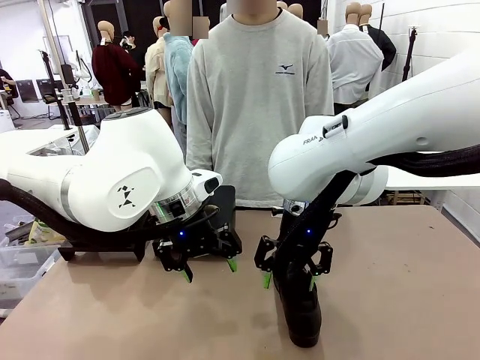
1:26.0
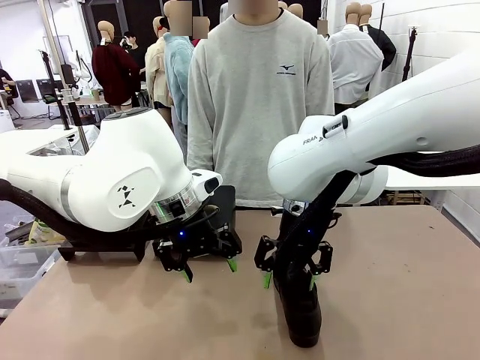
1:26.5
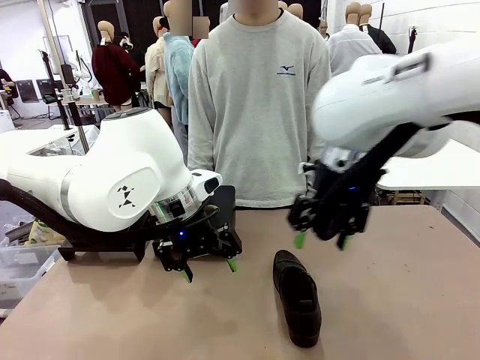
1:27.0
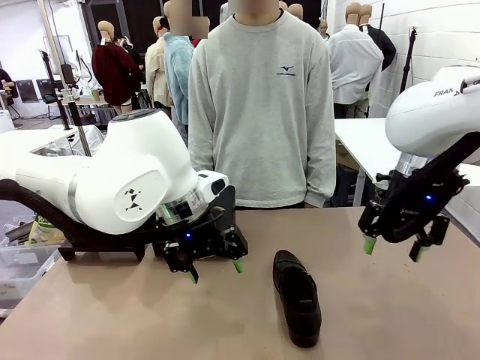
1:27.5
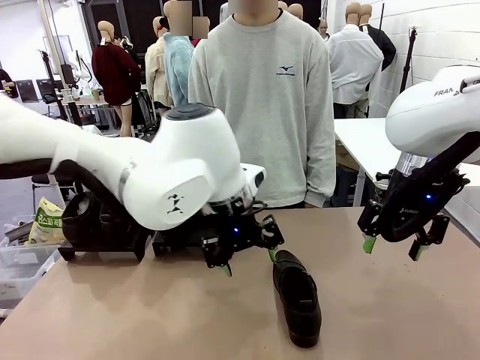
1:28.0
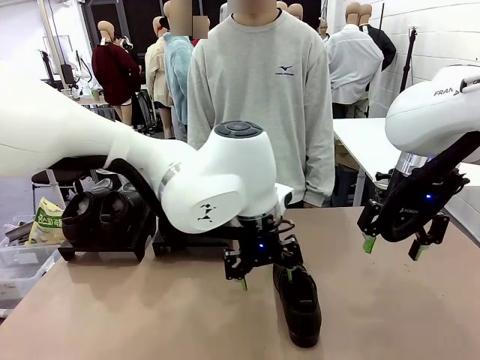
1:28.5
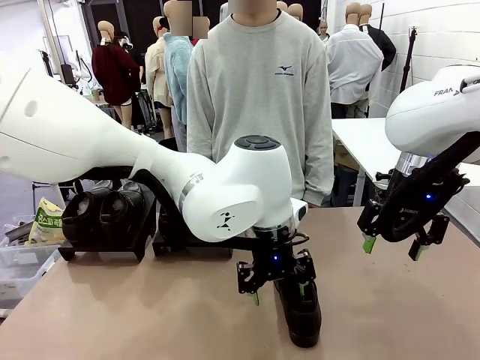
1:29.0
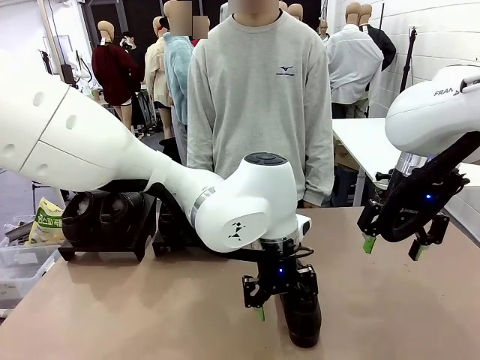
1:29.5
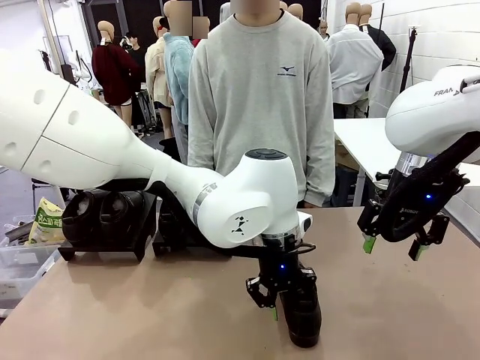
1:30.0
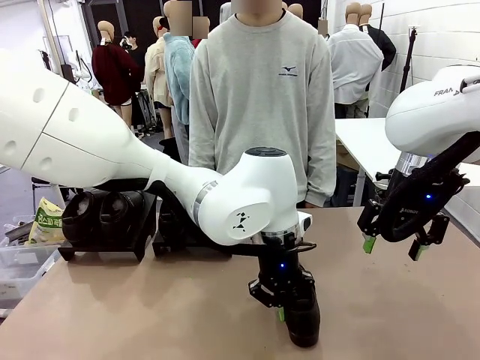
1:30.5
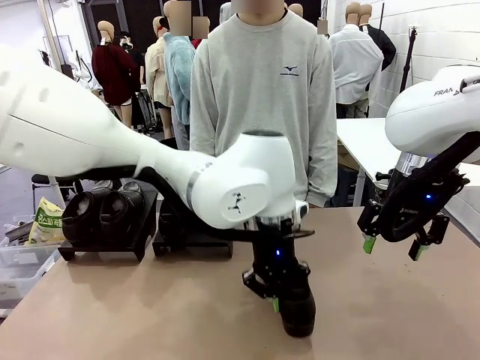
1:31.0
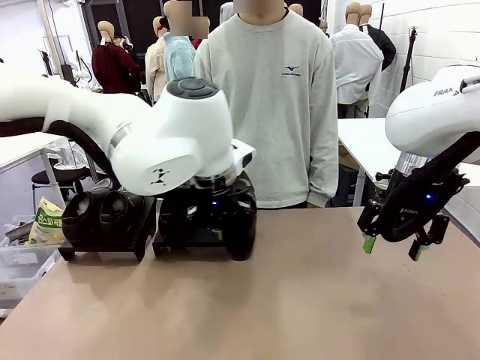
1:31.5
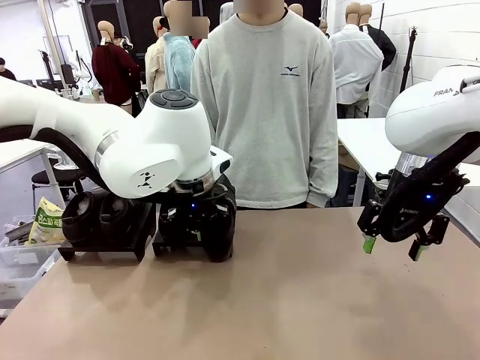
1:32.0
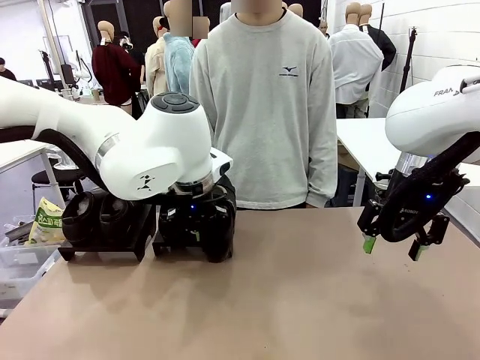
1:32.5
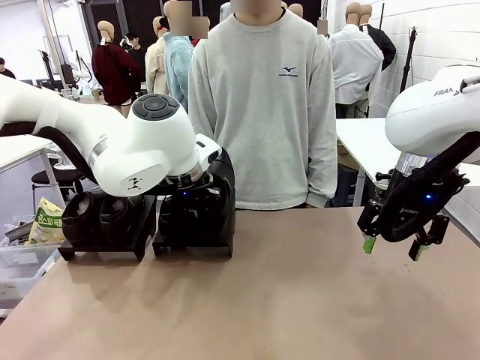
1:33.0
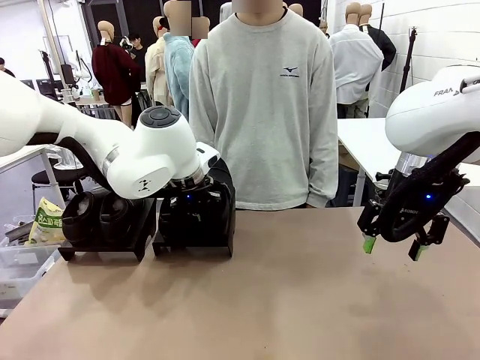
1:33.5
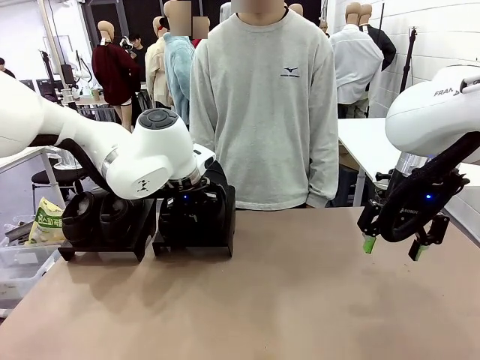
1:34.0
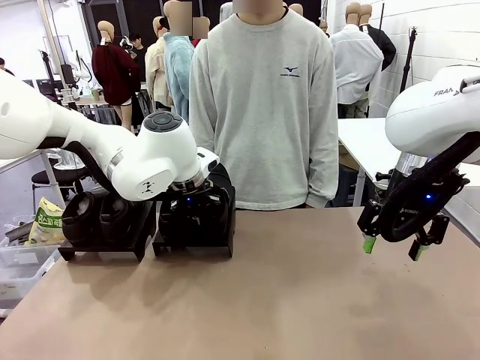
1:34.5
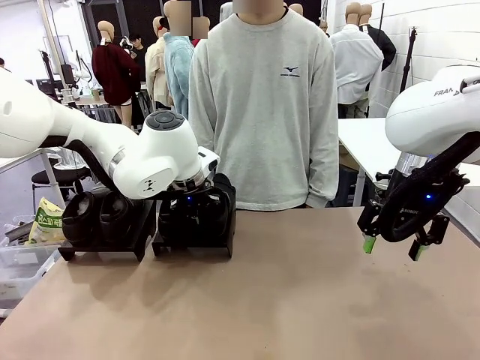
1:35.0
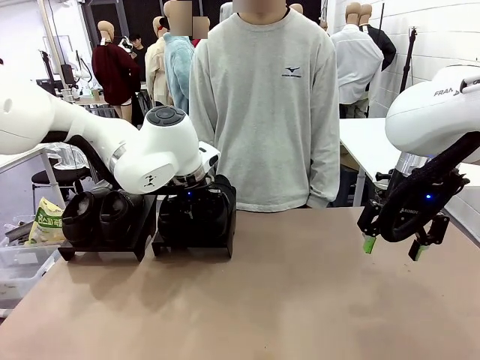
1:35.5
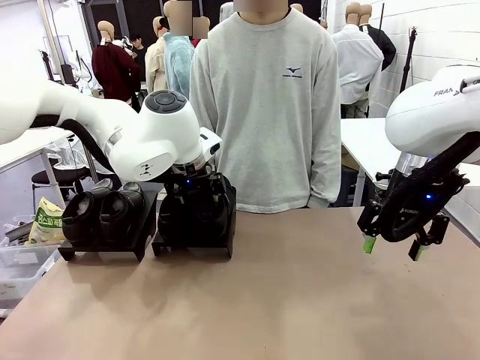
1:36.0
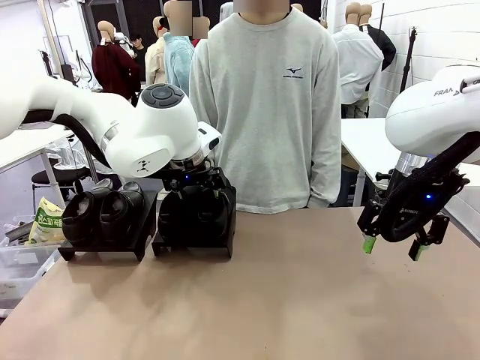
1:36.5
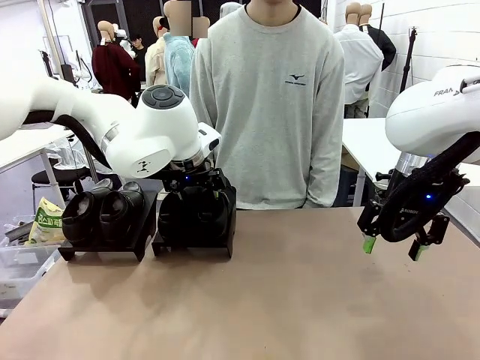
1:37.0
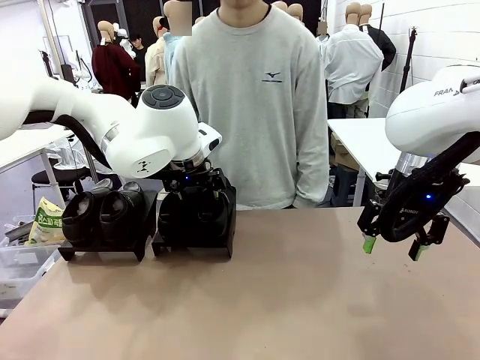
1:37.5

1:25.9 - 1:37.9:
Task: Organize the shoes by placing them on the stand.
Robot: Place the Shoe from the middle of the table onto the Shoes Stand.

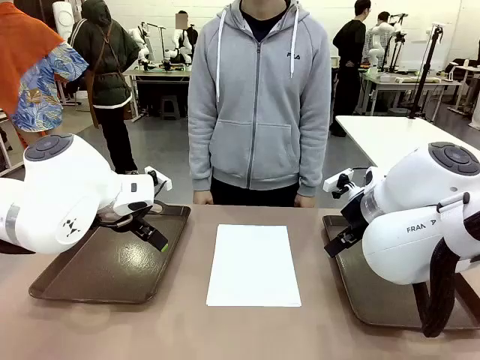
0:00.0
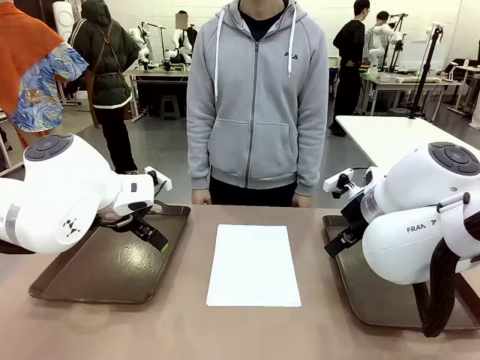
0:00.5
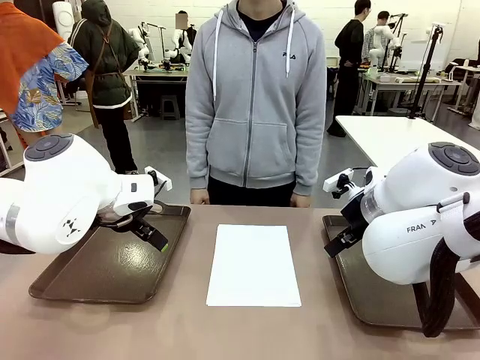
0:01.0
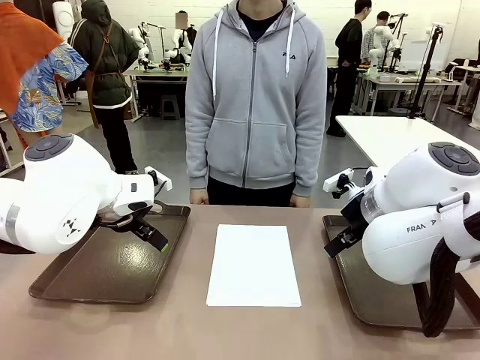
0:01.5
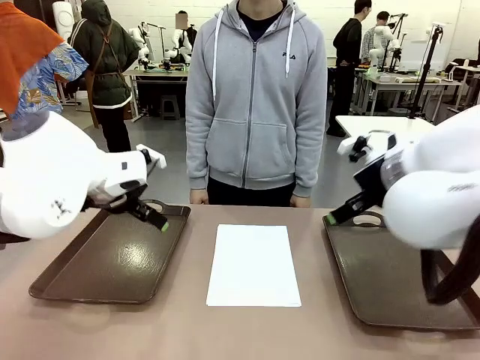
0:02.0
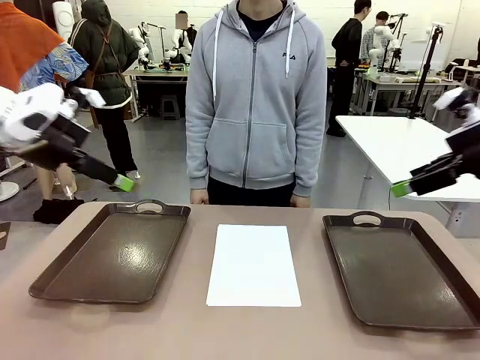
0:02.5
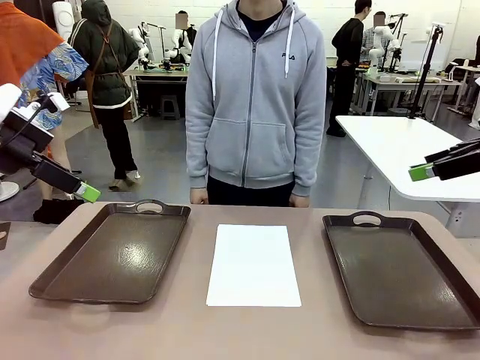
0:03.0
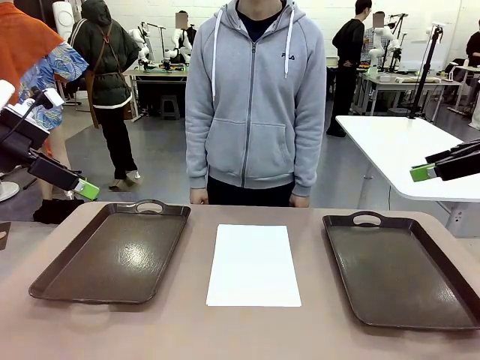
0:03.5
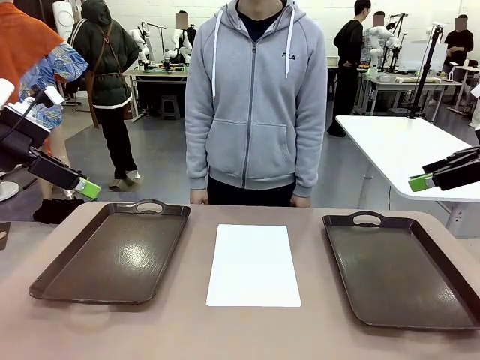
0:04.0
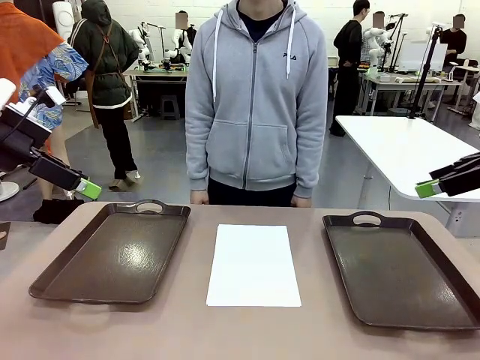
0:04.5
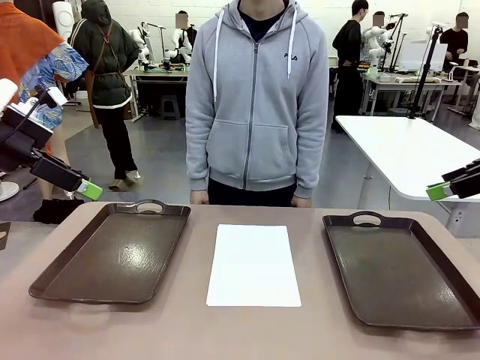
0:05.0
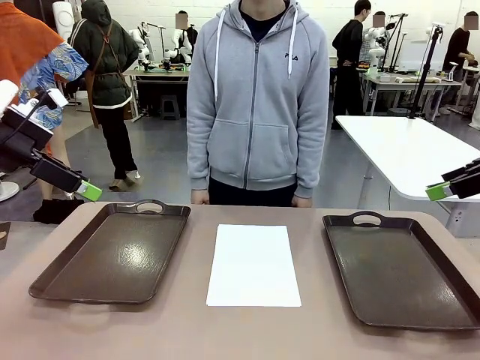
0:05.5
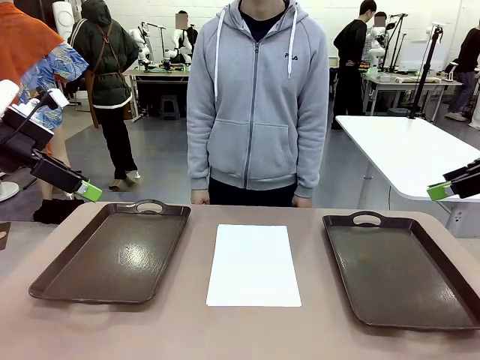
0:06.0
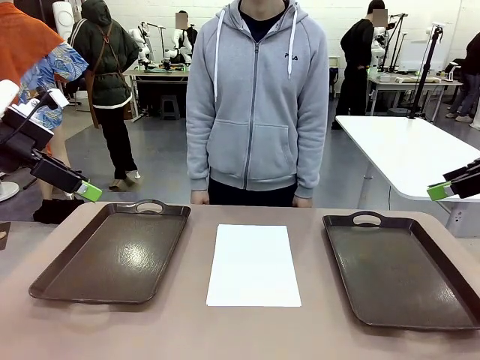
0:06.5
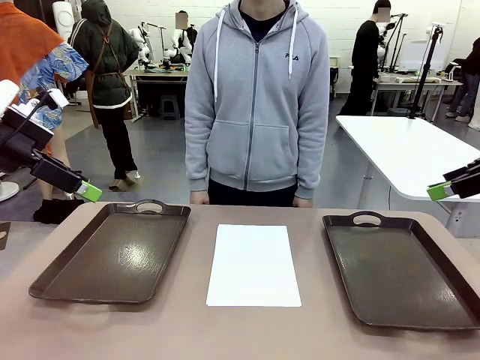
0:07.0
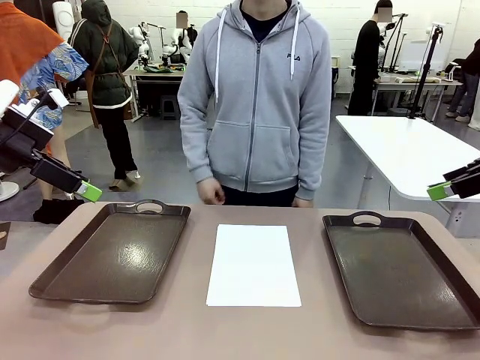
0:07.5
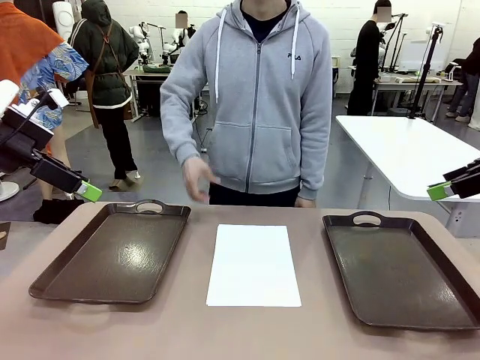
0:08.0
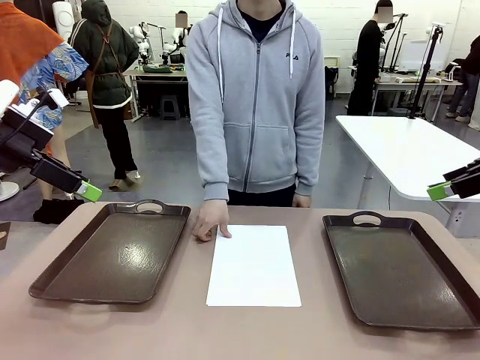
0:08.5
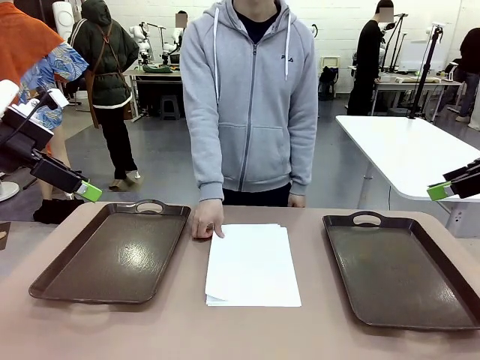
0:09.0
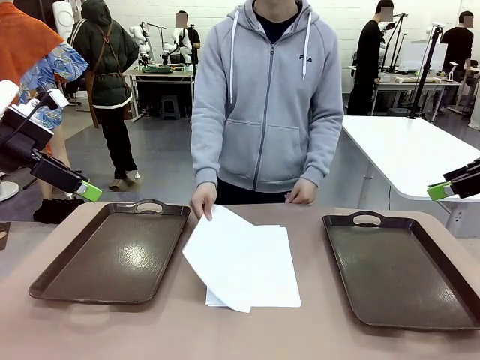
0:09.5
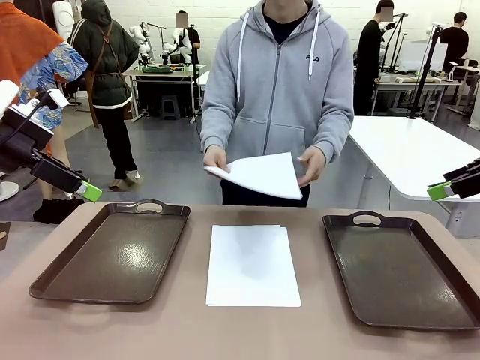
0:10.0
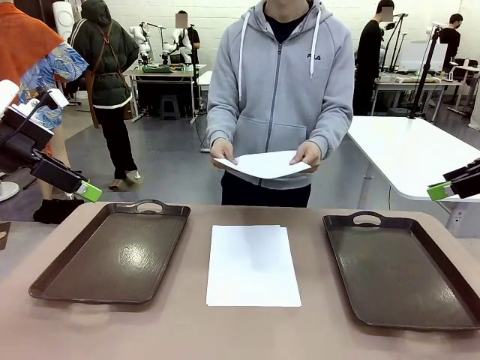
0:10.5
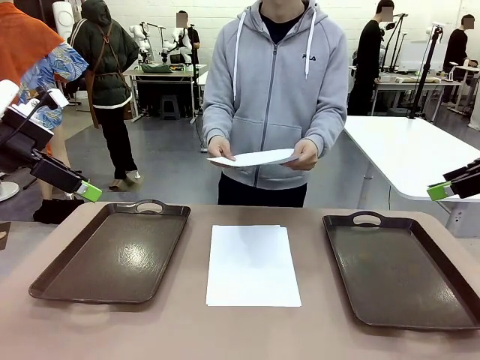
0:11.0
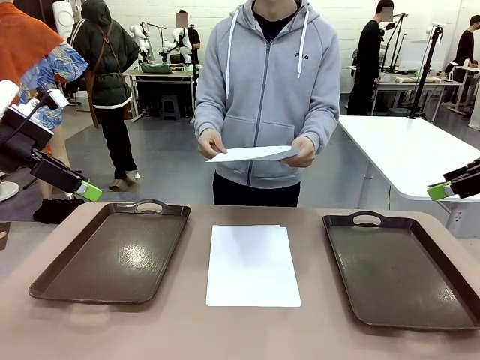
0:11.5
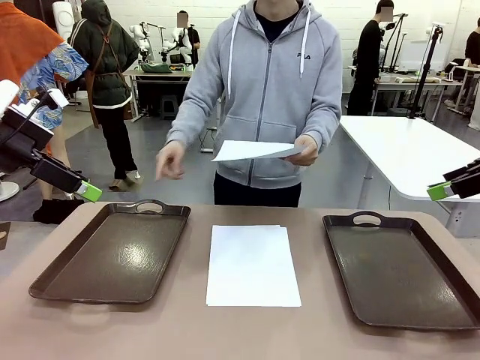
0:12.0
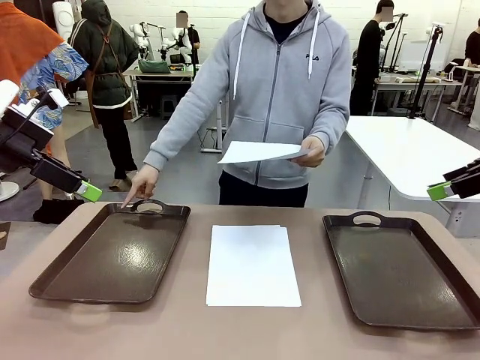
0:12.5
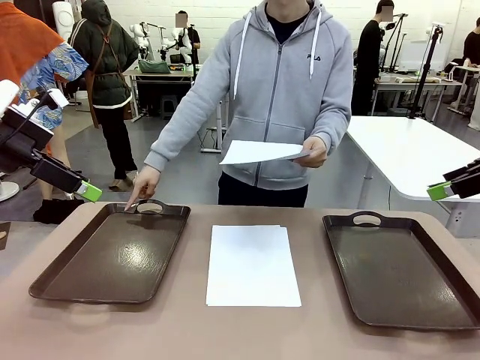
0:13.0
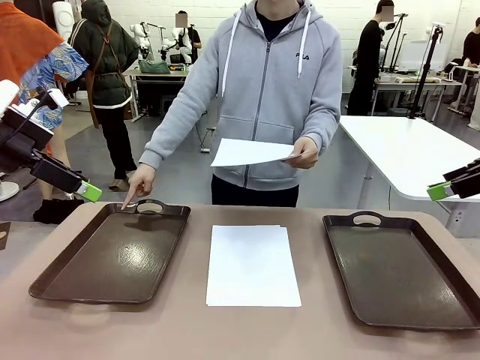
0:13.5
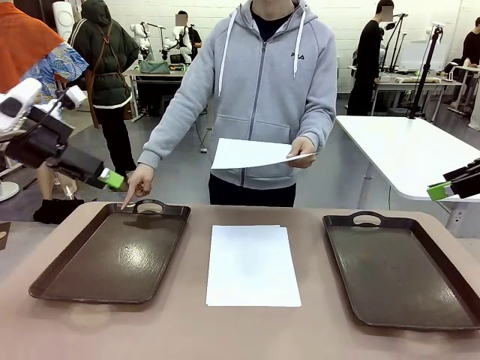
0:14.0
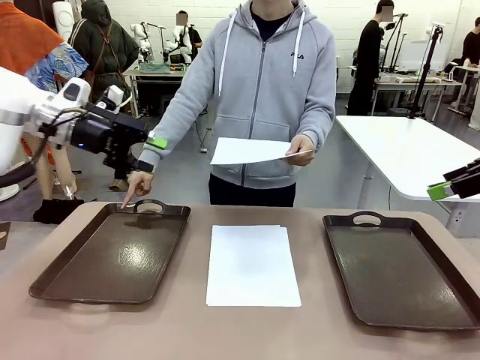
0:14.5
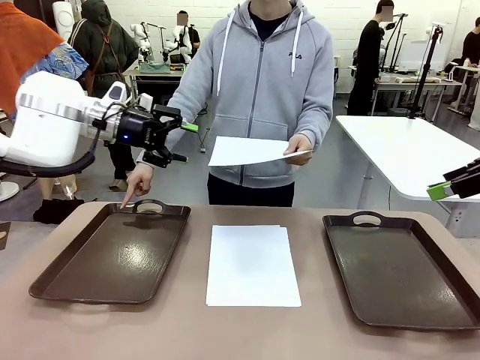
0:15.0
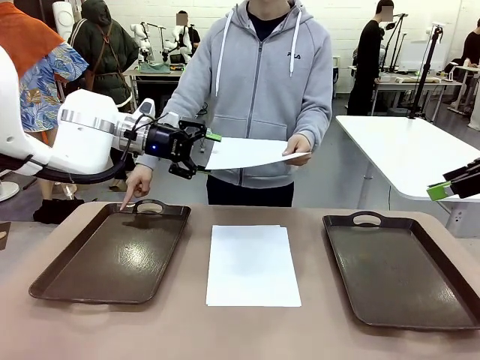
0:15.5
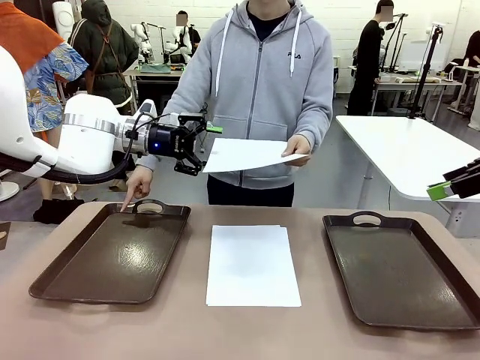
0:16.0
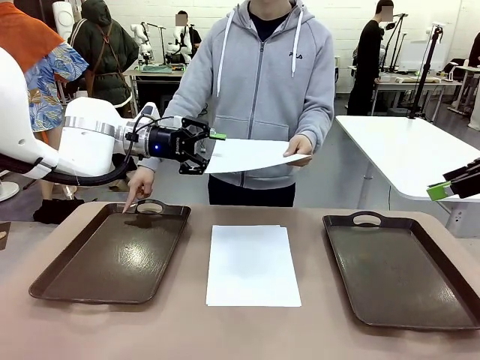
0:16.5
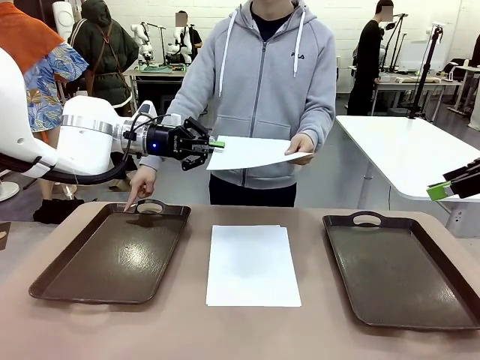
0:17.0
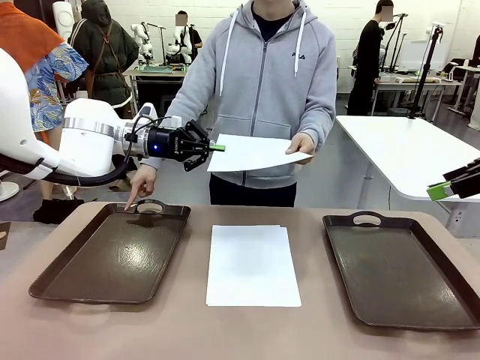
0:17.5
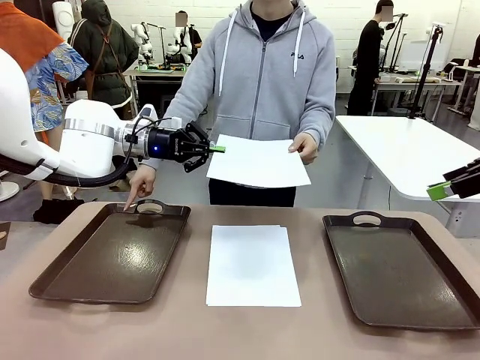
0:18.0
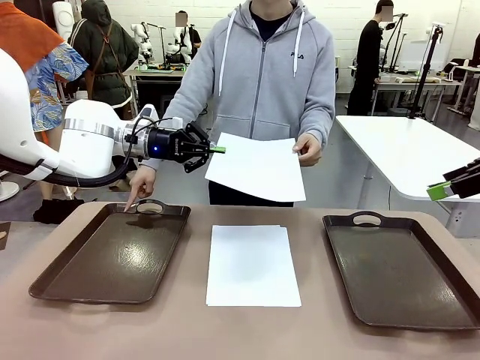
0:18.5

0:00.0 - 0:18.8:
Task: Sort the A4 documents.
Robot: Receive the A4 Paper.
Person: Pick up a sheet of paper from the center of the table and hand it to the robot. Point the randomly selected tray with the other hand.
